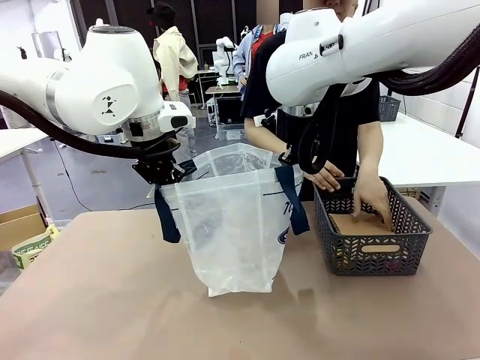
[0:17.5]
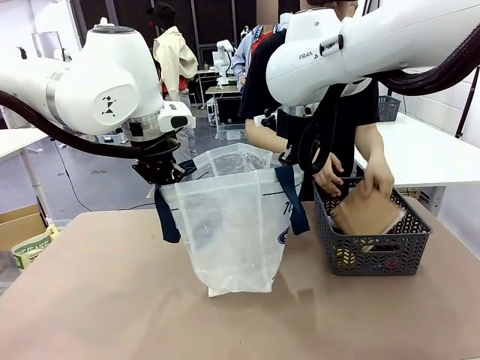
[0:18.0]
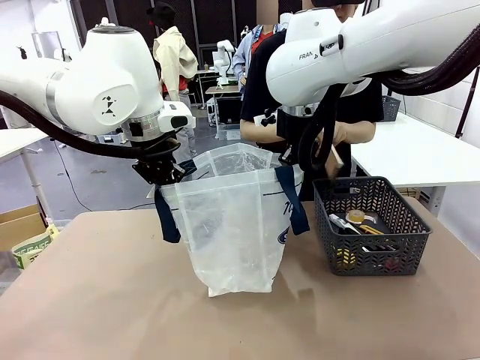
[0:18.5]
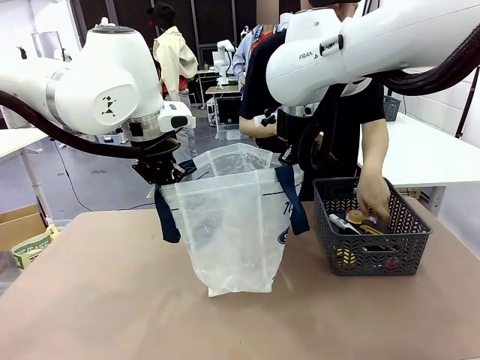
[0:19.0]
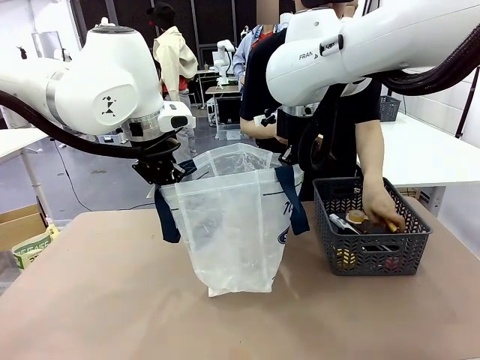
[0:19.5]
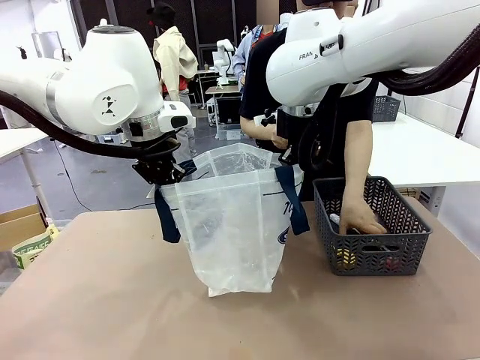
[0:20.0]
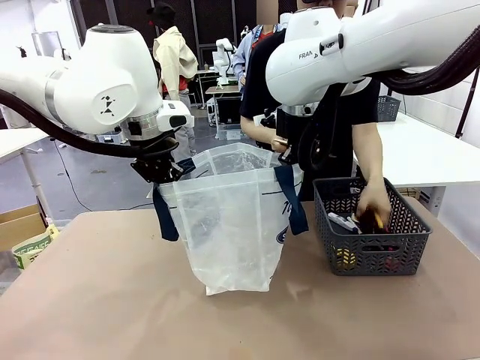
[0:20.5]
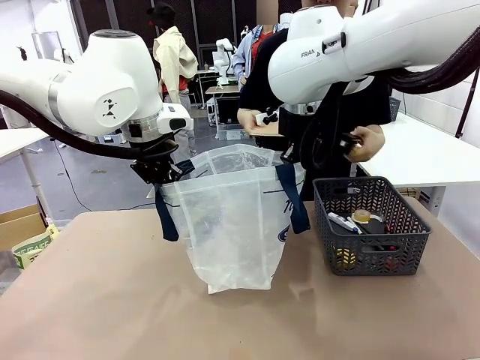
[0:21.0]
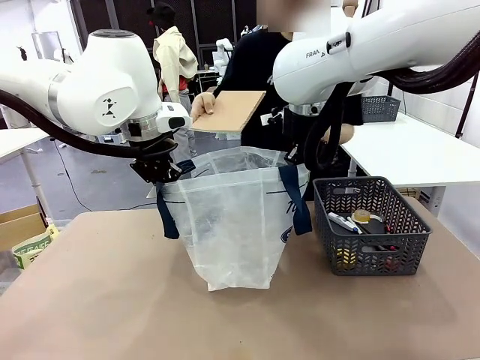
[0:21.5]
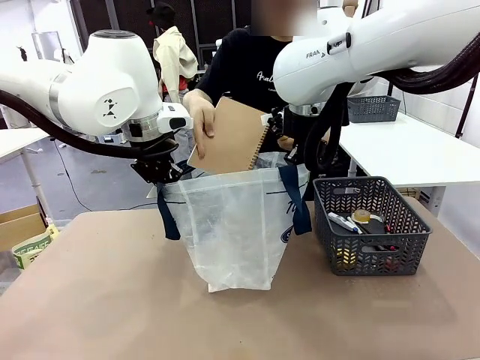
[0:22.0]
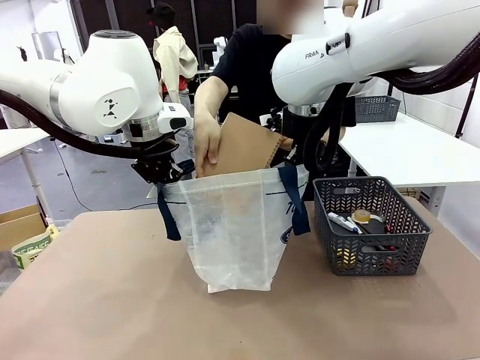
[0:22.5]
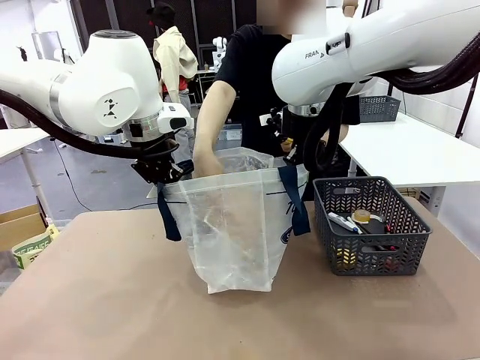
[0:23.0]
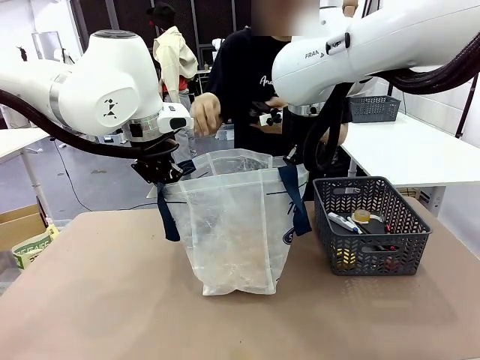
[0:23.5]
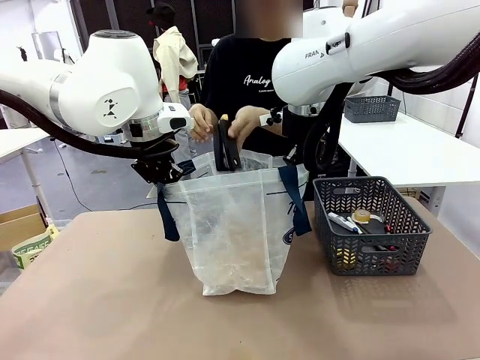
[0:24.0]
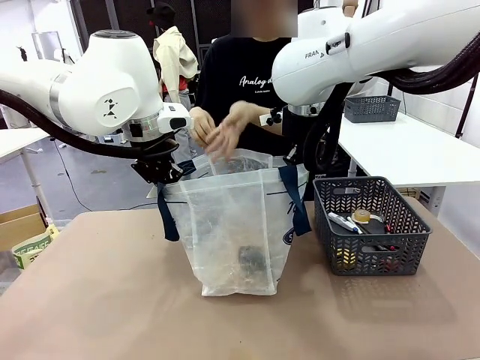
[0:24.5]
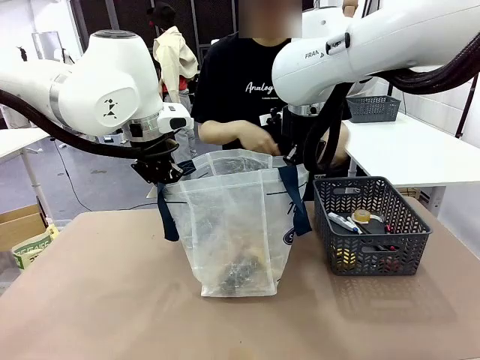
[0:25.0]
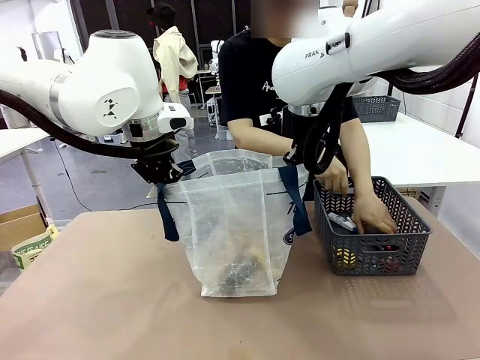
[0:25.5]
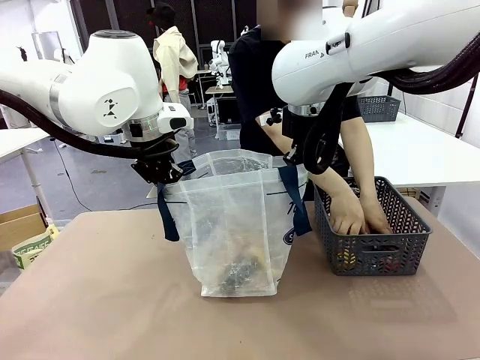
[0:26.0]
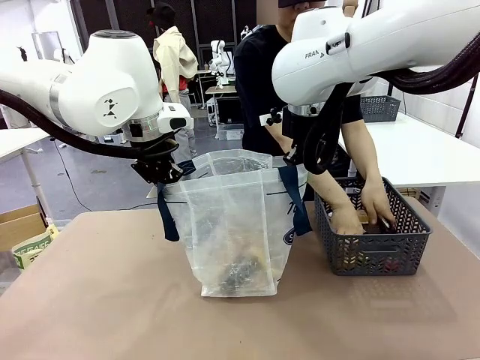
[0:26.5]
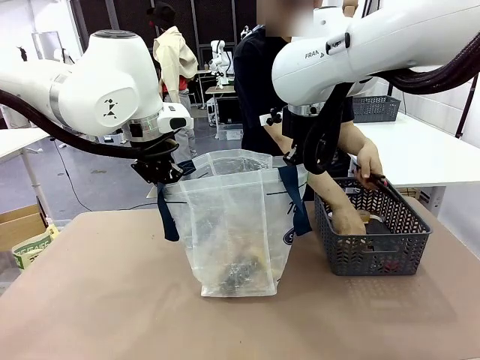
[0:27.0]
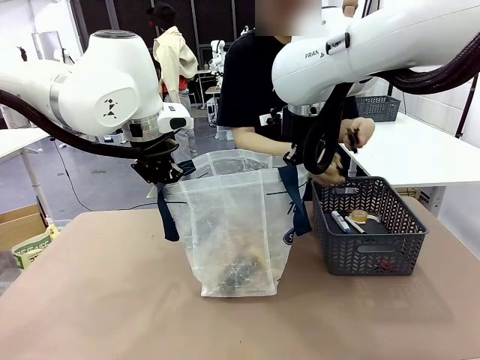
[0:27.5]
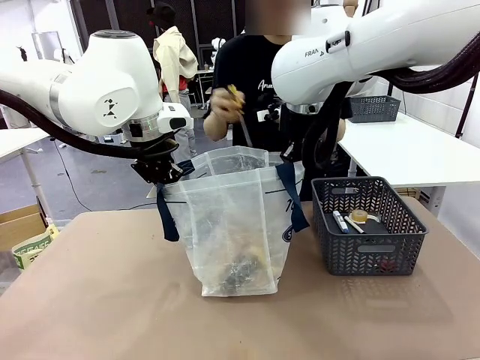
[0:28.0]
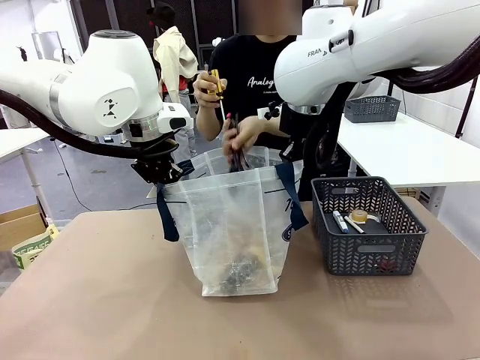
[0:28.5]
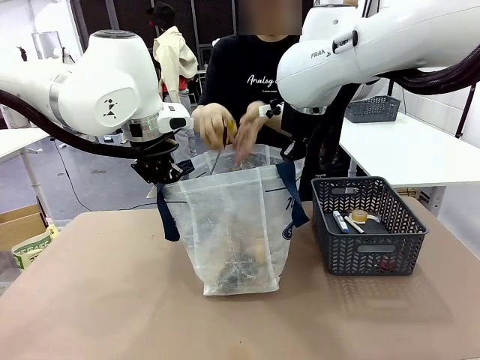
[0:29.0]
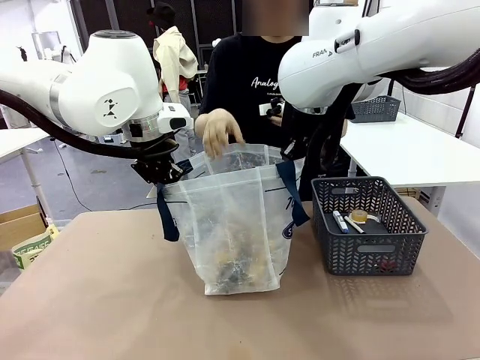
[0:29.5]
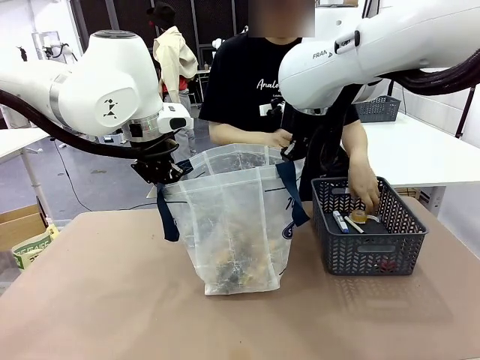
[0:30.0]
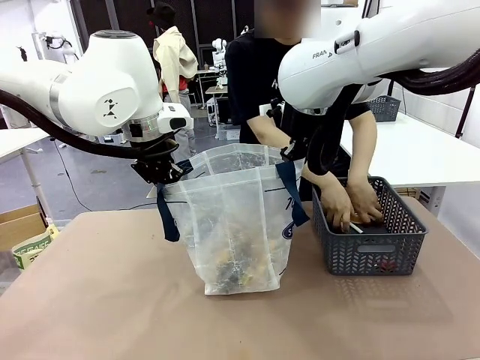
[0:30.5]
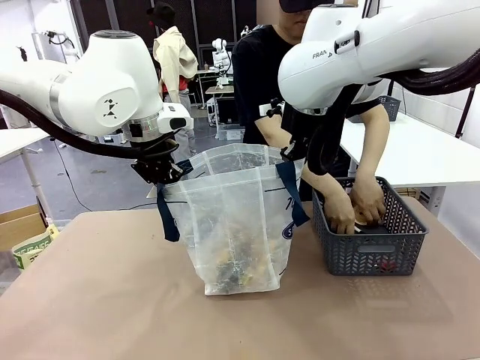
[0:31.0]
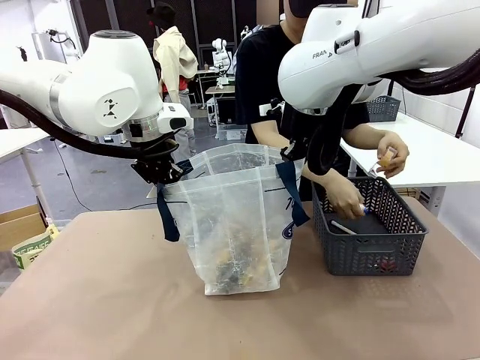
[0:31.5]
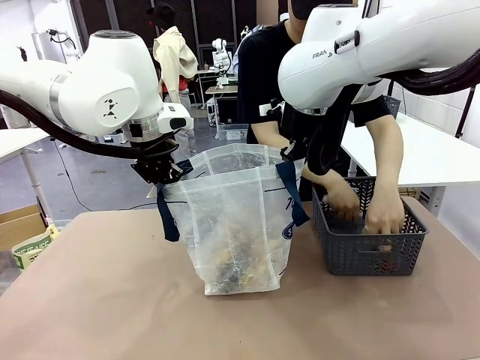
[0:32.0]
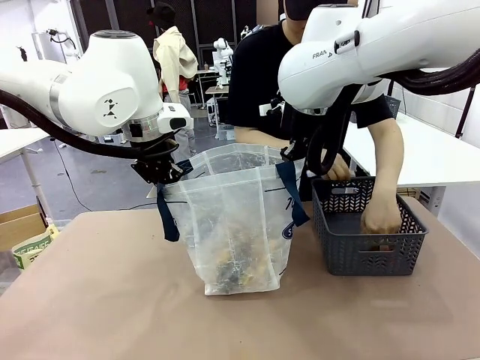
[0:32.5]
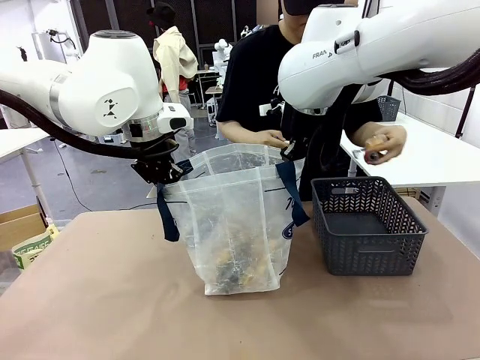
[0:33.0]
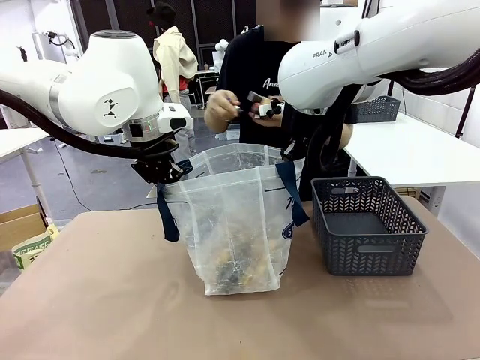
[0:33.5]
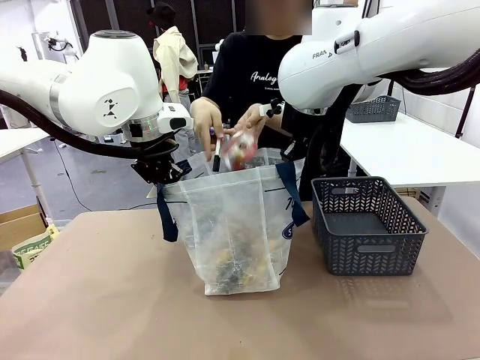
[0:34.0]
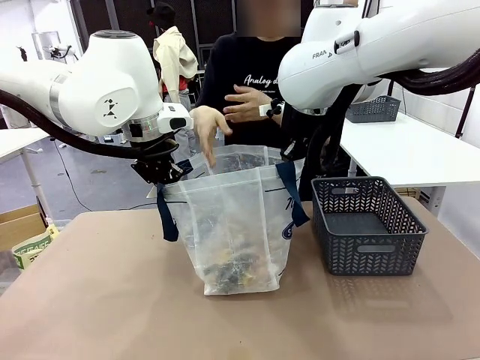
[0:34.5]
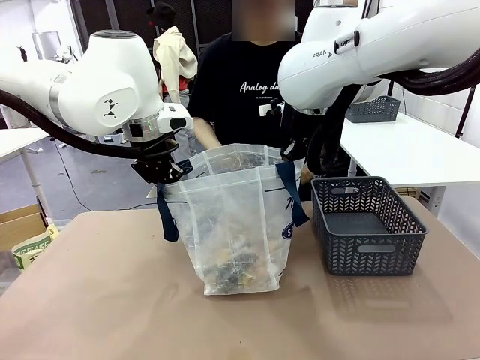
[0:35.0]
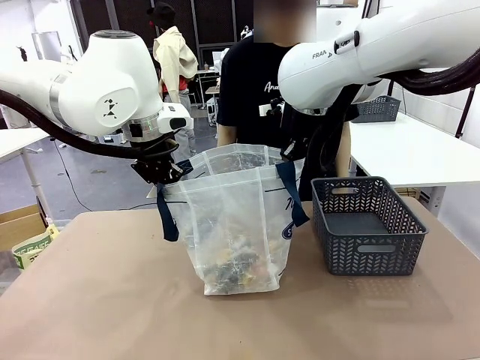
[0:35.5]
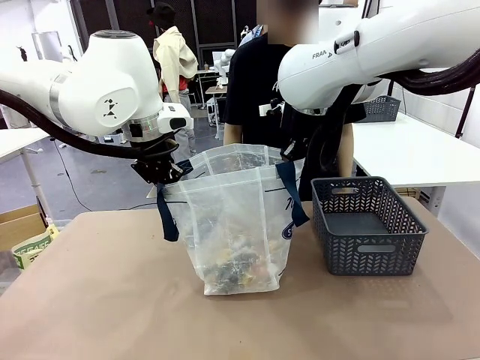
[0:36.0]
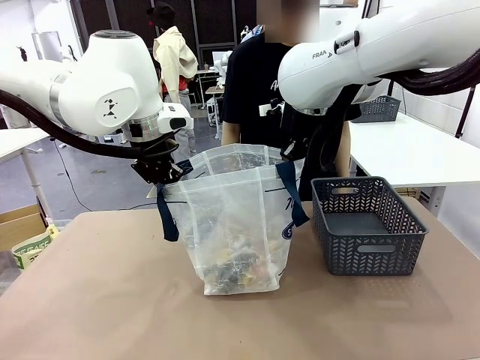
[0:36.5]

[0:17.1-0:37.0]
Task: Transfer purchased items from the store into the shopping bag.
Robot: Move the Reusable shopping bag to the right side of the table.
Person: Pick up the basket on the right, place it on the left side of the robot table, and move the items in the basket to the shopping bag.
